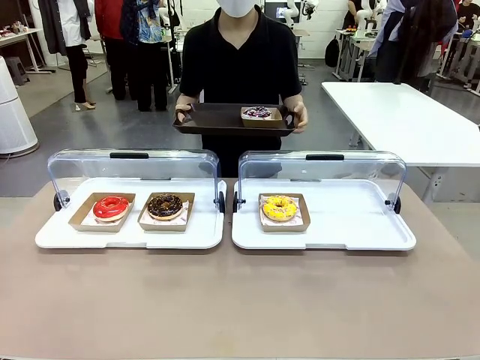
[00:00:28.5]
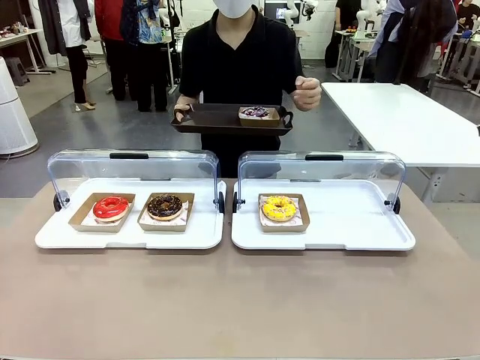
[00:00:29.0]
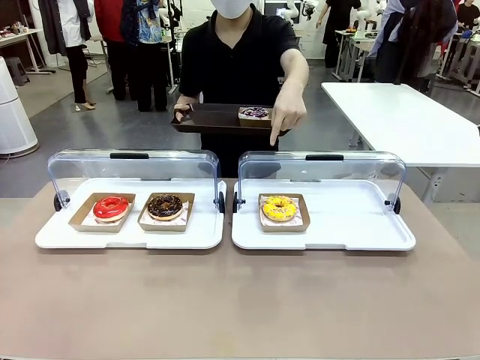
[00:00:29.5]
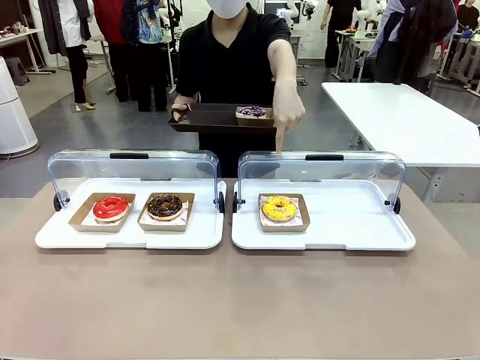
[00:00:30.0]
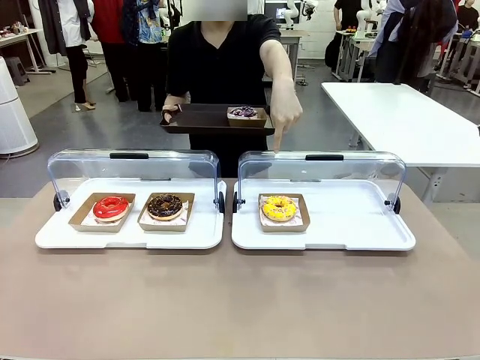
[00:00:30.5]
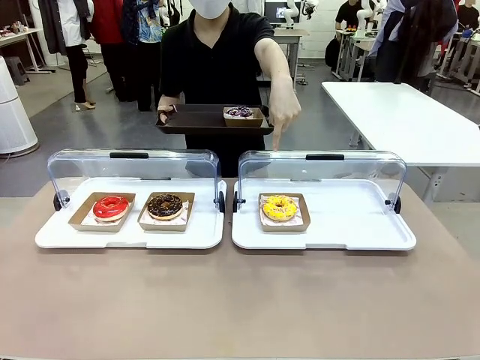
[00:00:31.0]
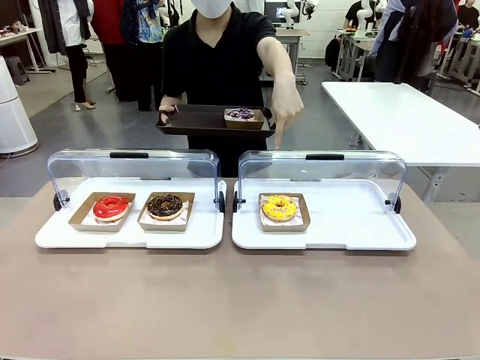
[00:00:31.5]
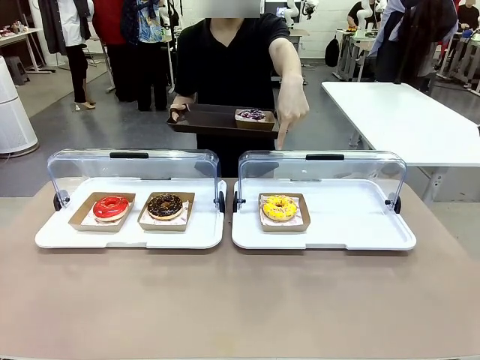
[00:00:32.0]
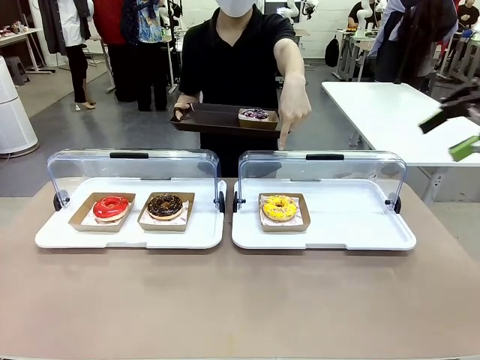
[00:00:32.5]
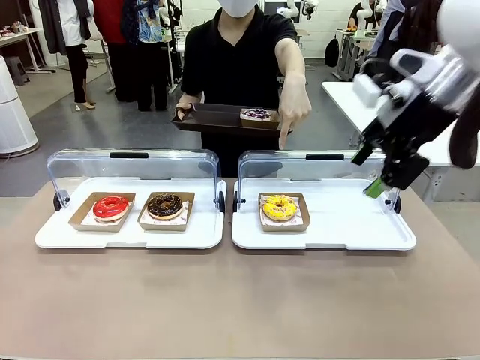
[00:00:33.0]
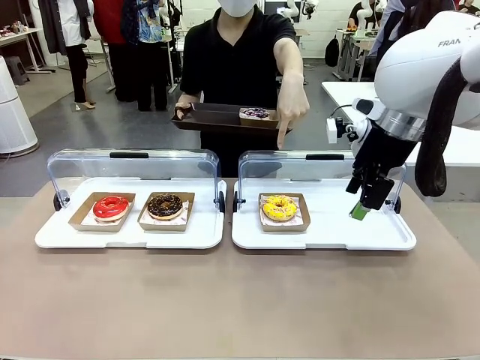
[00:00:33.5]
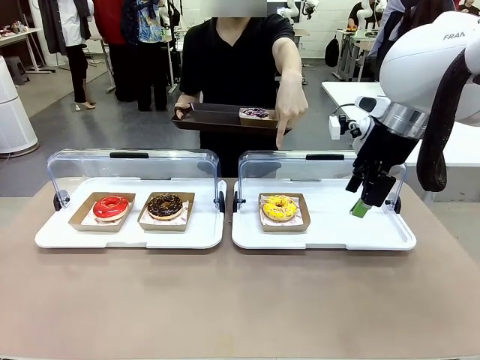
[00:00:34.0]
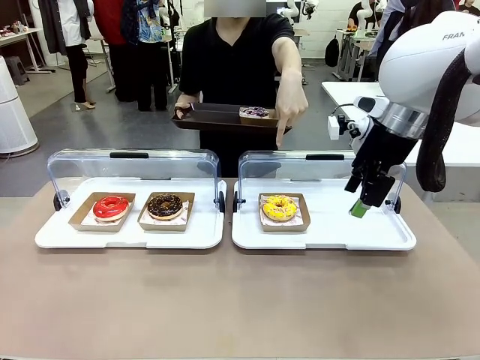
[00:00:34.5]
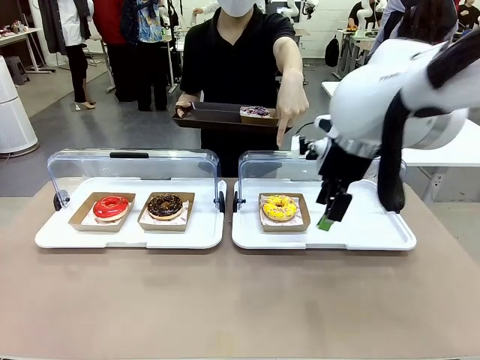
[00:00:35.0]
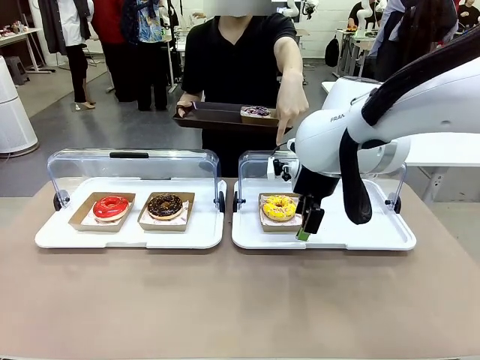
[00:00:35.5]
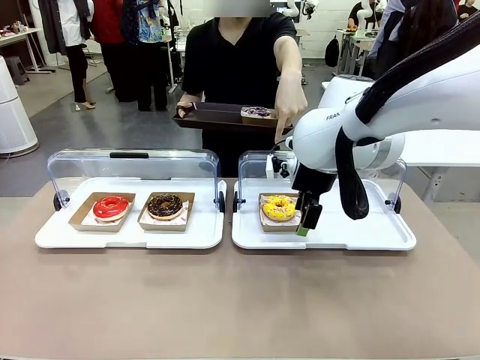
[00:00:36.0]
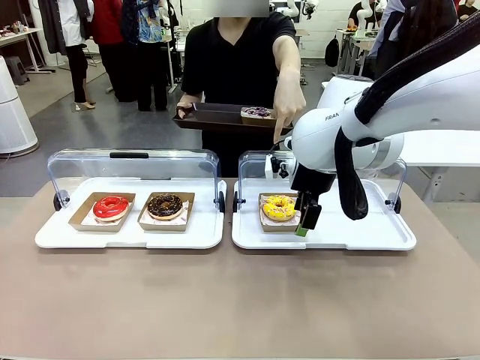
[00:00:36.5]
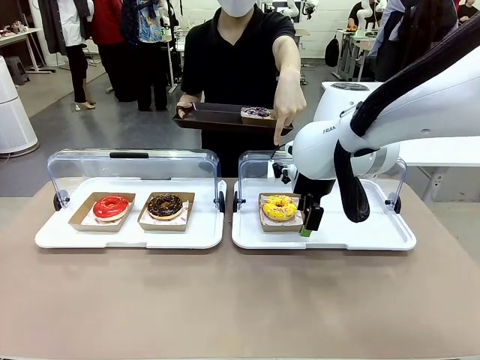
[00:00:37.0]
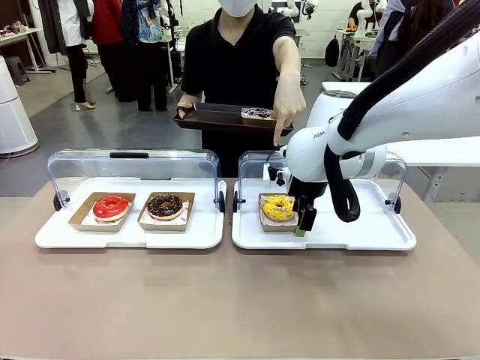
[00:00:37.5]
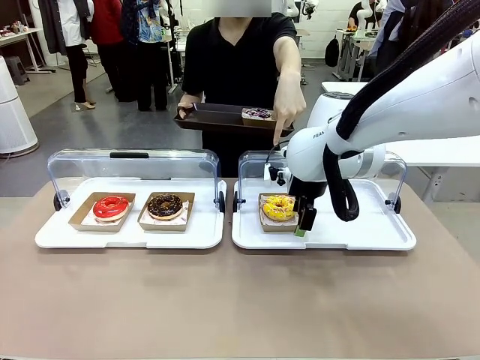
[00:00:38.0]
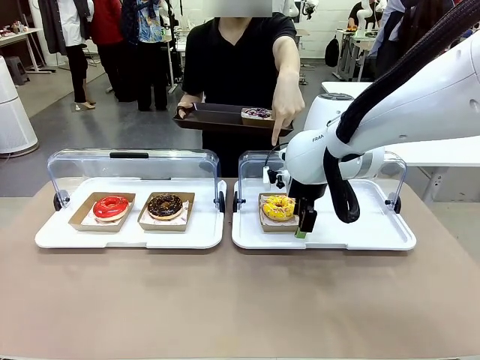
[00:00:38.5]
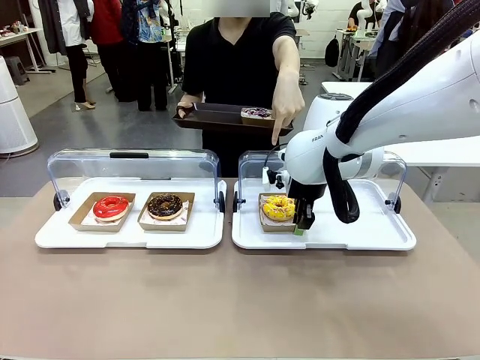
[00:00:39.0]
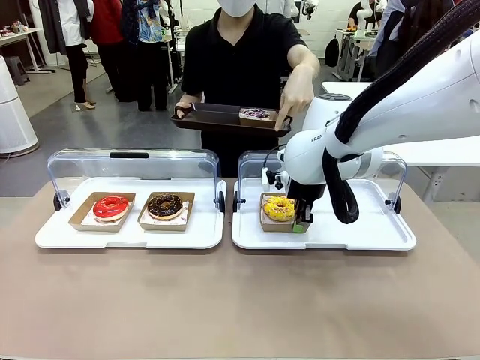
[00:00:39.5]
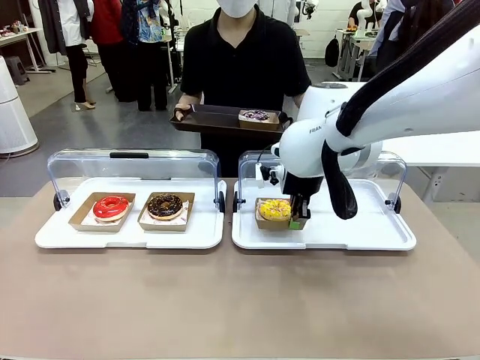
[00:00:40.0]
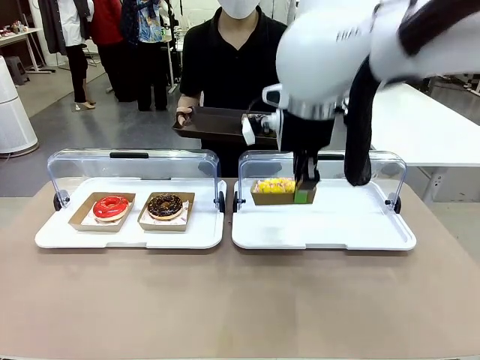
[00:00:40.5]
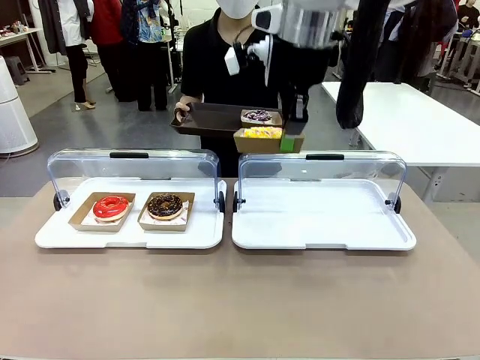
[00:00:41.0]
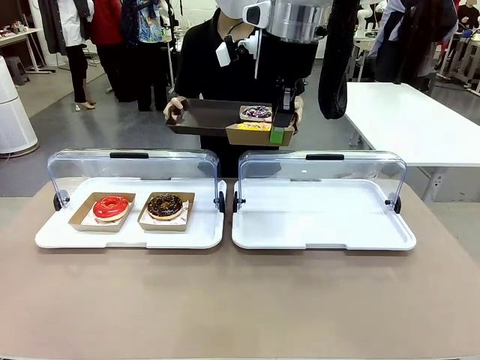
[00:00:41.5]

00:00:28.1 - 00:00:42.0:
Task: Provide the desired donut to the person.
Robot: Pick up and lift the Paper togo box containing the Donut pointed at by the person.
Person: Lift the tray onto the Roll-Top Bakery Case.

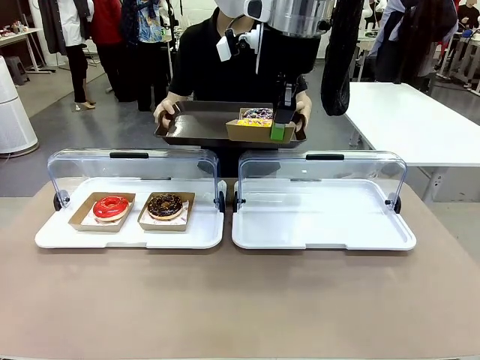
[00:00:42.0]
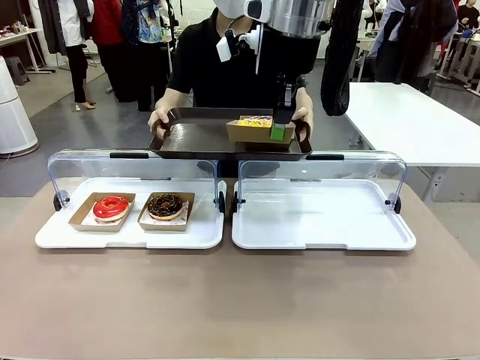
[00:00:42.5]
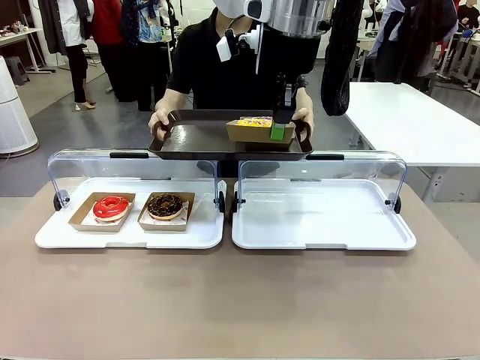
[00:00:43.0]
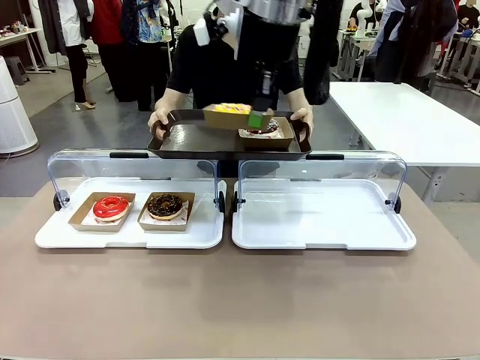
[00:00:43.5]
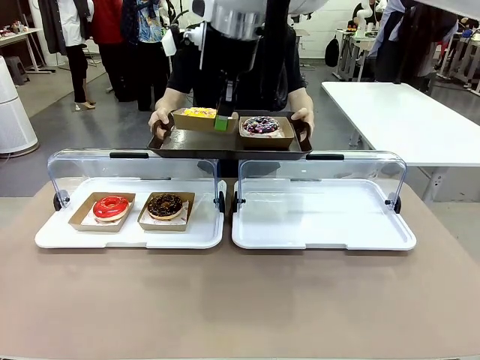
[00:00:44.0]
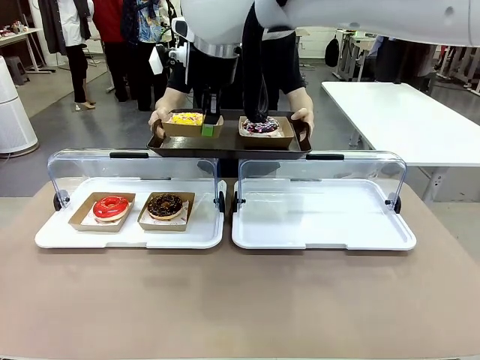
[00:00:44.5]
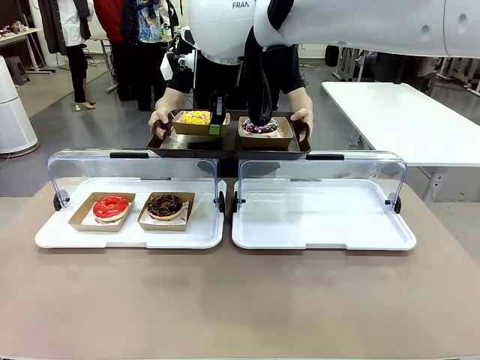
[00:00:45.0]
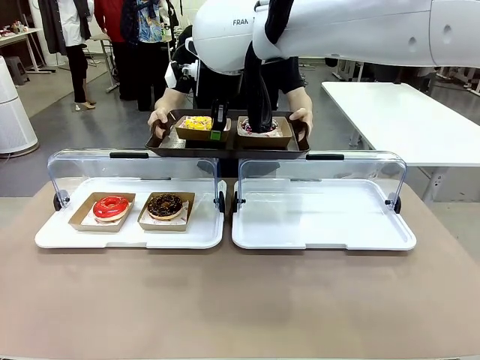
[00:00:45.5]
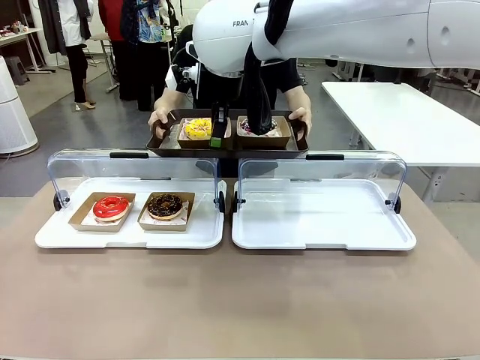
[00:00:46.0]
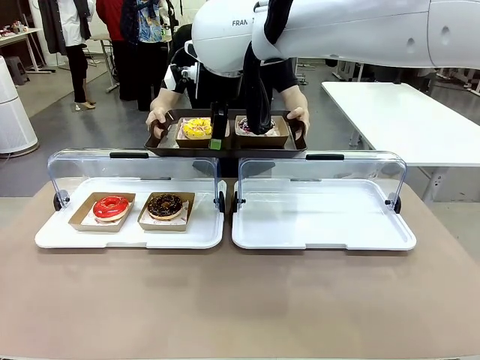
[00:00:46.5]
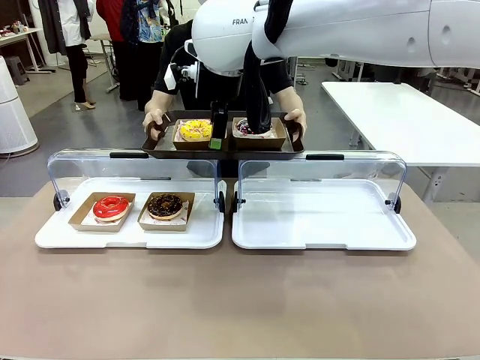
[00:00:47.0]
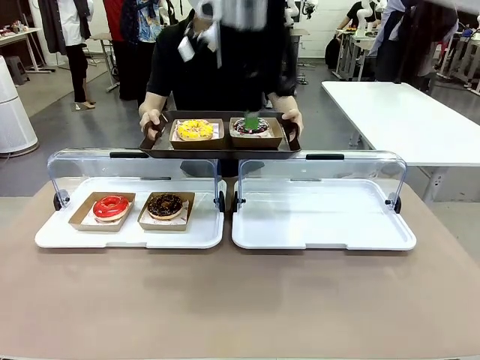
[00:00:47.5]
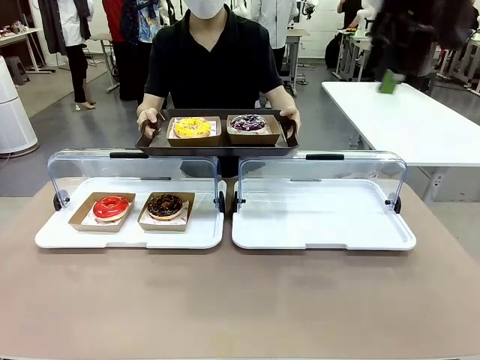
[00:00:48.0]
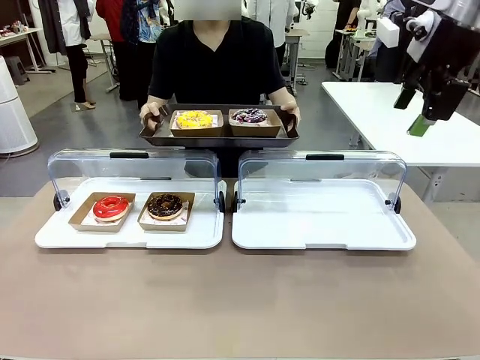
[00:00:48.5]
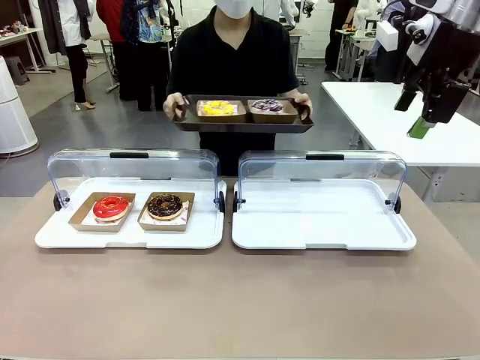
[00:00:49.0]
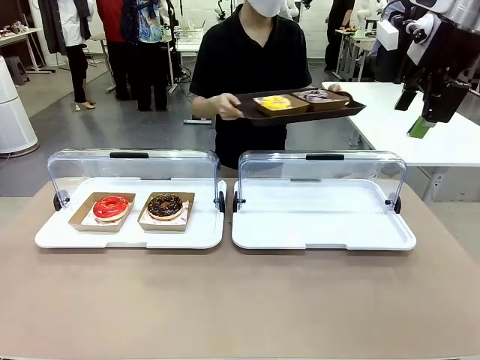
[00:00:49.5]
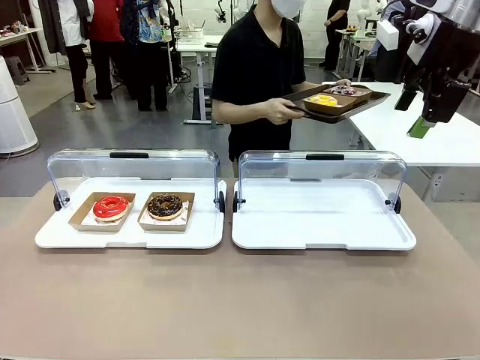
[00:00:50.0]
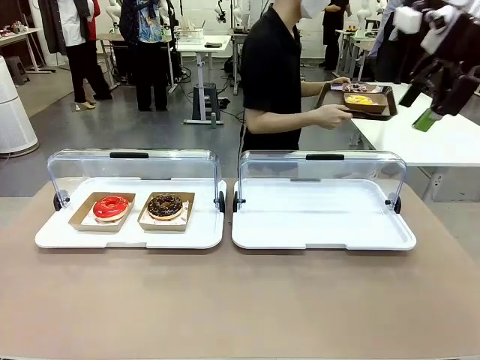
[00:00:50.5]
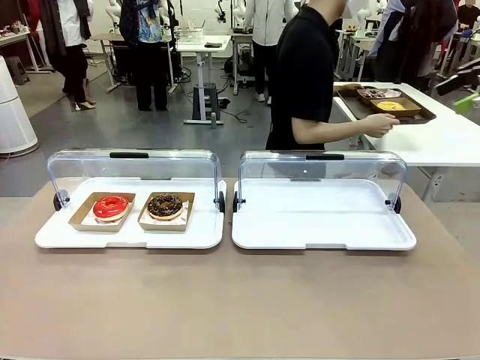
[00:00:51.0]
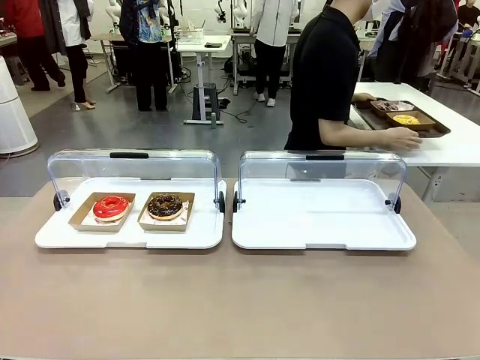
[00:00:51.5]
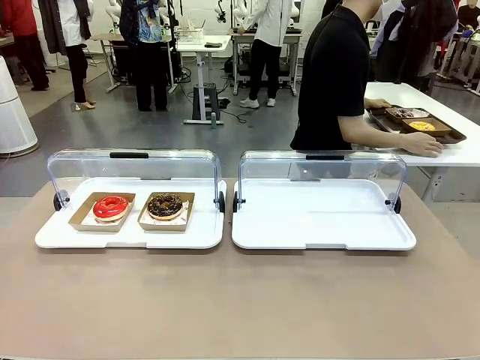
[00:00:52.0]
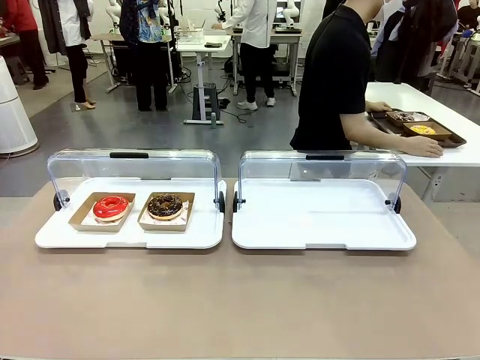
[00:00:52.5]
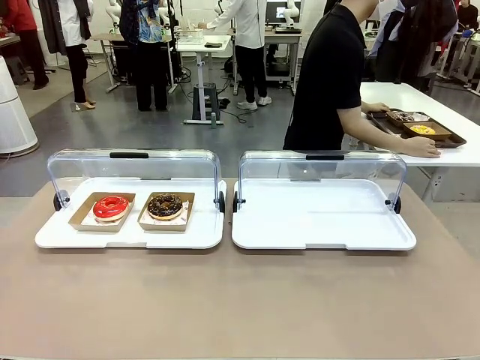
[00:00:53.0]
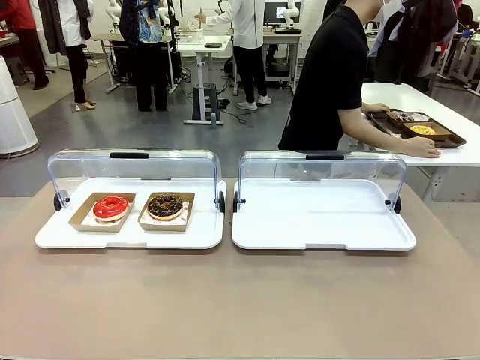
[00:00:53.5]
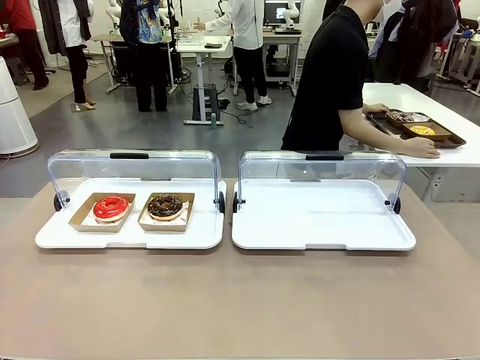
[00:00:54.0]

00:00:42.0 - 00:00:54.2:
Robot: Place the picked Paper togo box onto the Handle tray extended by the person.
Person: Place the tray in the middle of the human table.

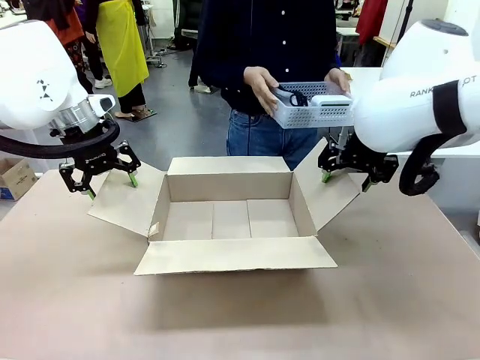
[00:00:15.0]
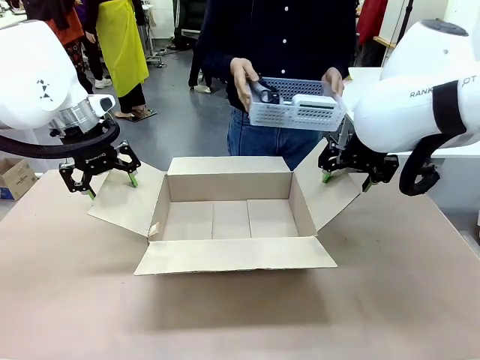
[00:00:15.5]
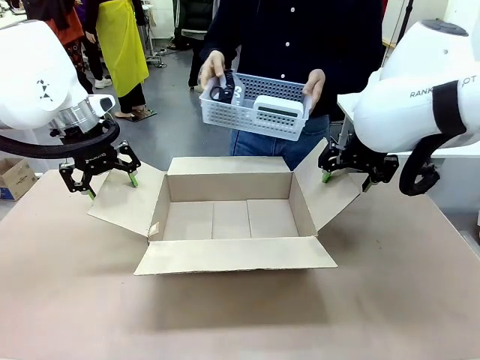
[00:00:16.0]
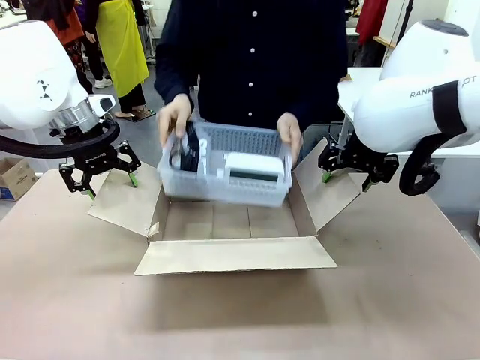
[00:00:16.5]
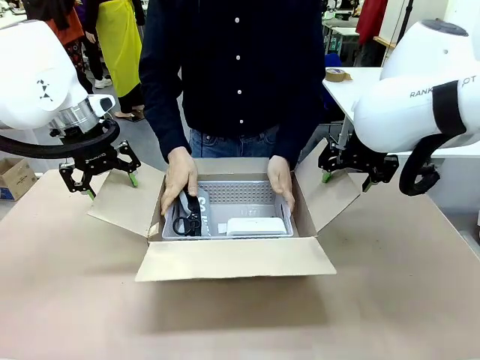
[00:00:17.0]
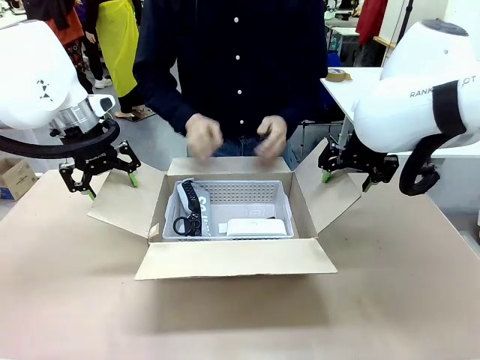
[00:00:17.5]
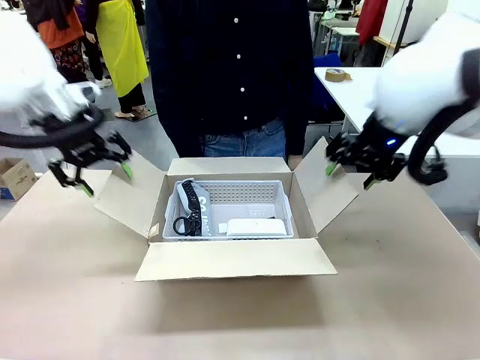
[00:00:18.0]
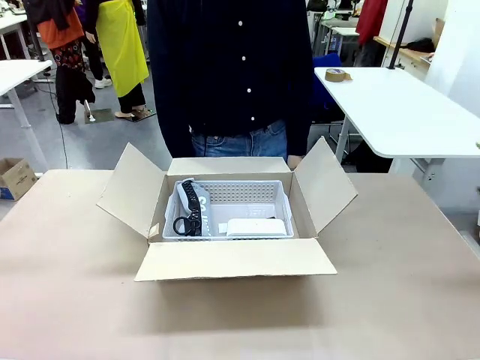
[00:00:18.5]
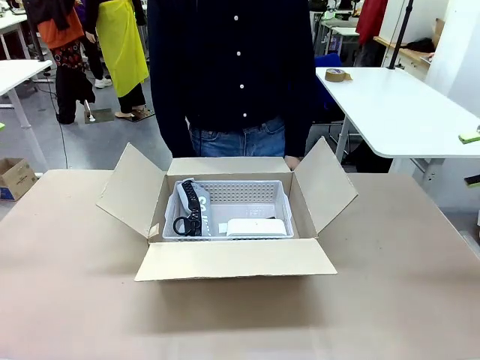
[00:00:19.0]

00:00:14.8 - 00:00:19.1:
Task: Pack the gift set into the box.
Robot: Lift both hands away from the flaps of the Package Box.
Person: The human picks up the organizing basket and places the organizing basket into the package box on the robot table.
